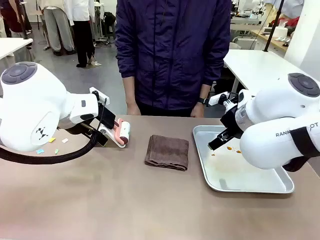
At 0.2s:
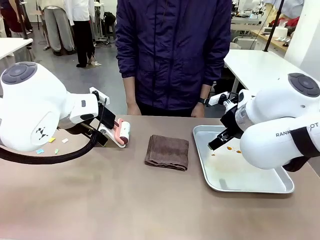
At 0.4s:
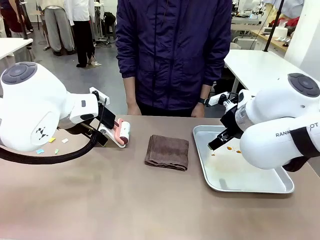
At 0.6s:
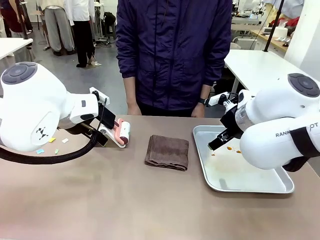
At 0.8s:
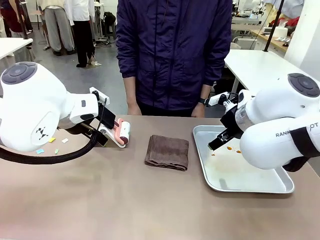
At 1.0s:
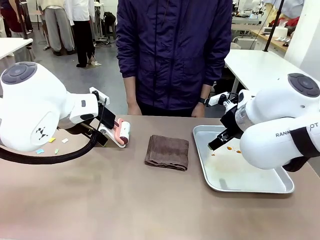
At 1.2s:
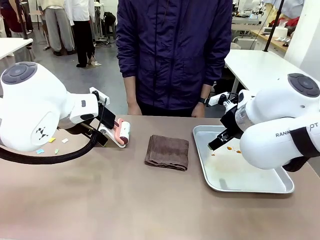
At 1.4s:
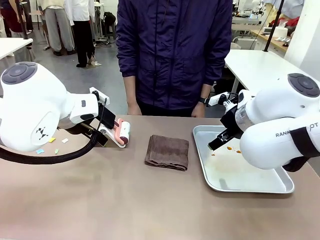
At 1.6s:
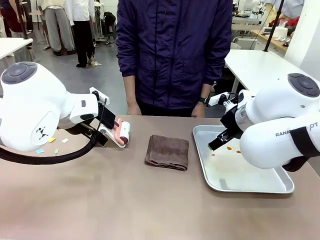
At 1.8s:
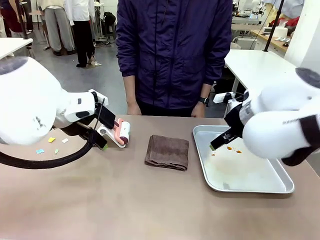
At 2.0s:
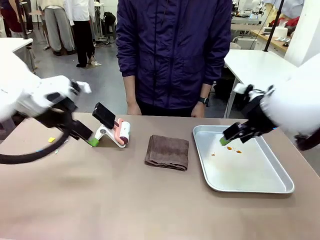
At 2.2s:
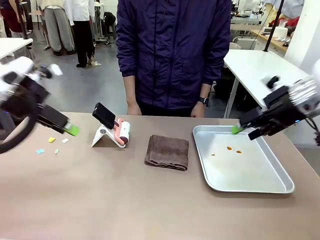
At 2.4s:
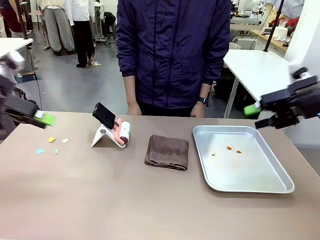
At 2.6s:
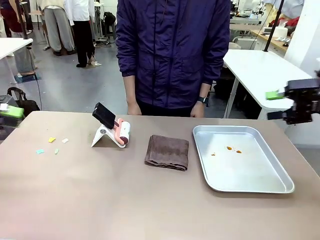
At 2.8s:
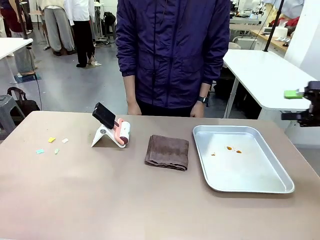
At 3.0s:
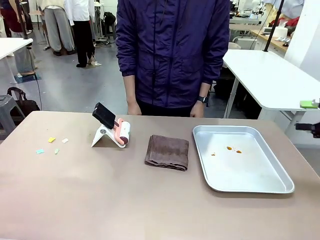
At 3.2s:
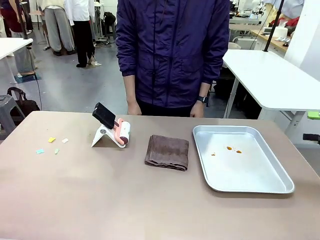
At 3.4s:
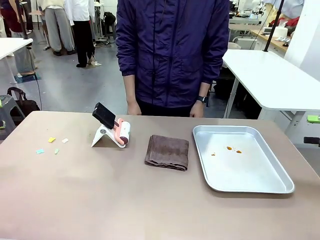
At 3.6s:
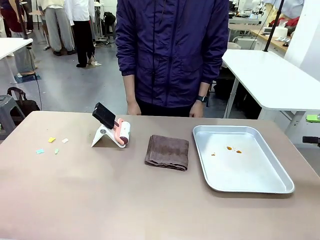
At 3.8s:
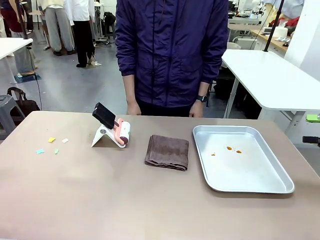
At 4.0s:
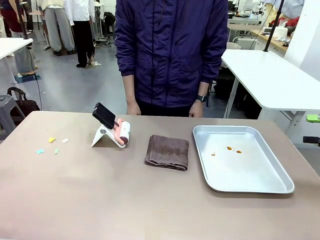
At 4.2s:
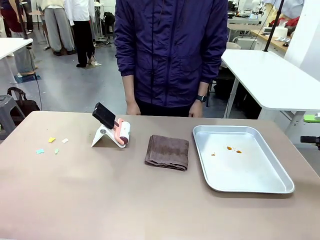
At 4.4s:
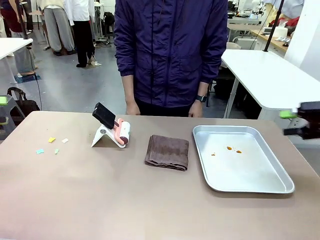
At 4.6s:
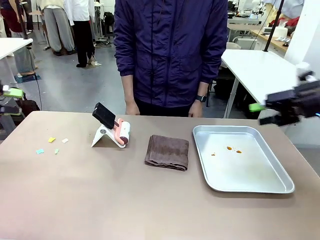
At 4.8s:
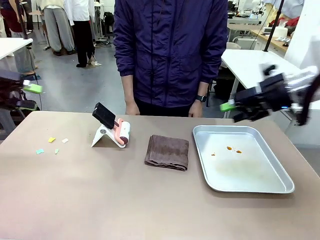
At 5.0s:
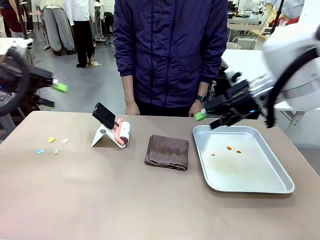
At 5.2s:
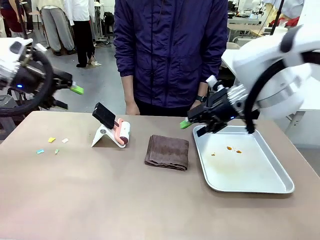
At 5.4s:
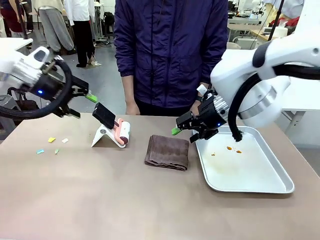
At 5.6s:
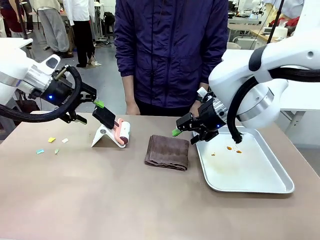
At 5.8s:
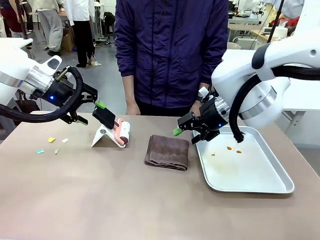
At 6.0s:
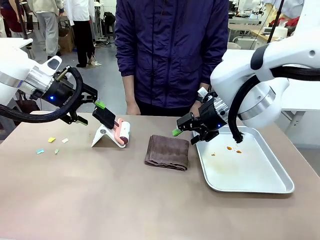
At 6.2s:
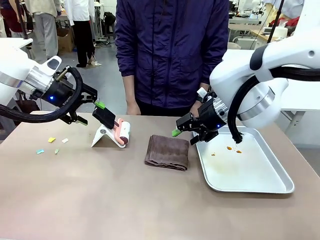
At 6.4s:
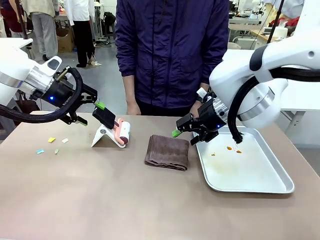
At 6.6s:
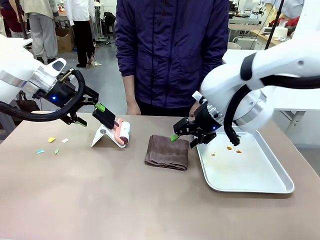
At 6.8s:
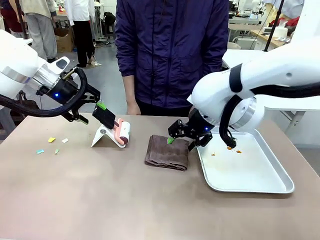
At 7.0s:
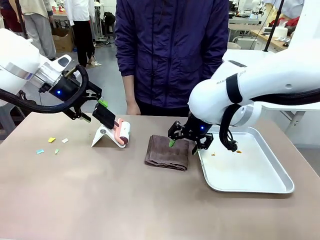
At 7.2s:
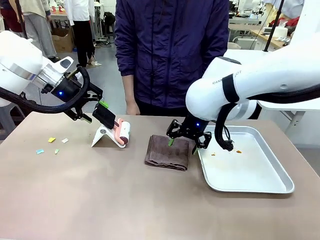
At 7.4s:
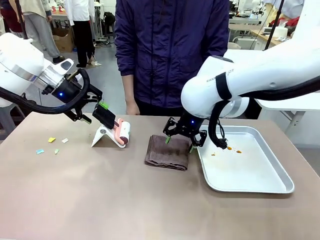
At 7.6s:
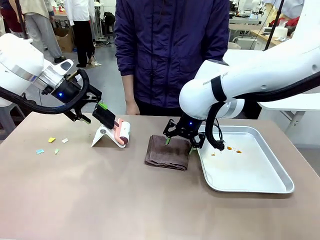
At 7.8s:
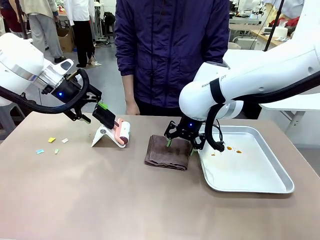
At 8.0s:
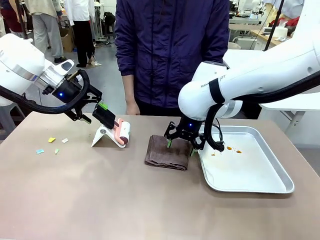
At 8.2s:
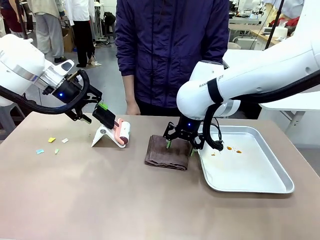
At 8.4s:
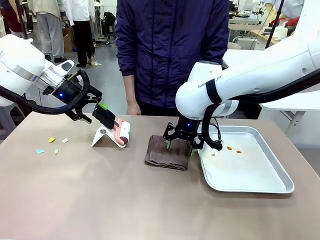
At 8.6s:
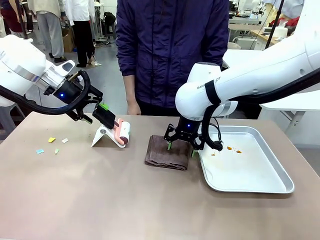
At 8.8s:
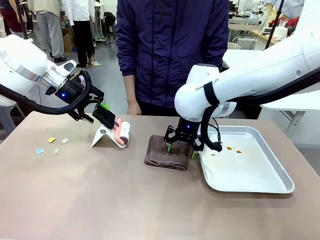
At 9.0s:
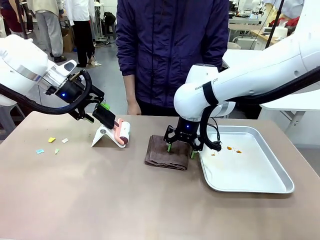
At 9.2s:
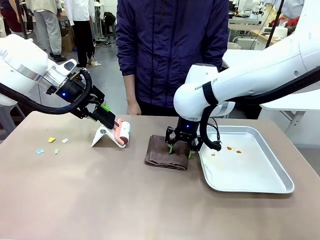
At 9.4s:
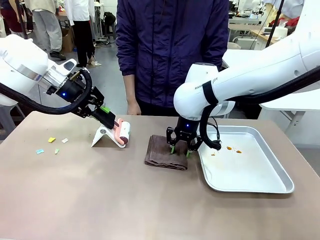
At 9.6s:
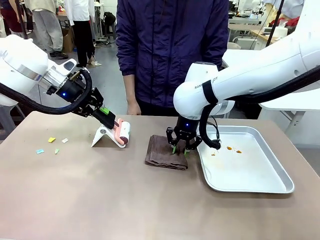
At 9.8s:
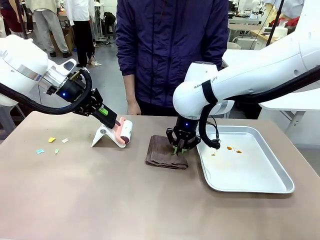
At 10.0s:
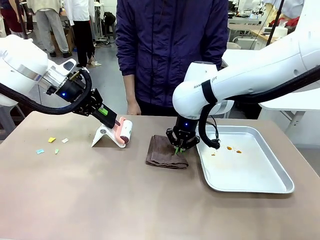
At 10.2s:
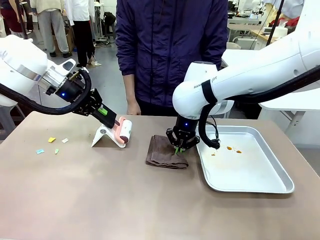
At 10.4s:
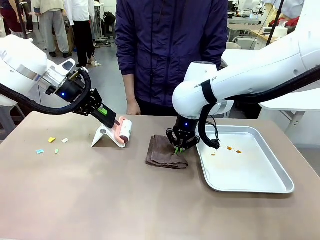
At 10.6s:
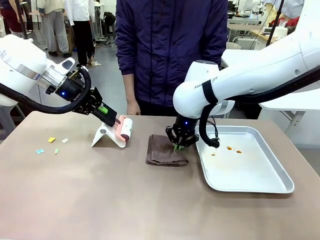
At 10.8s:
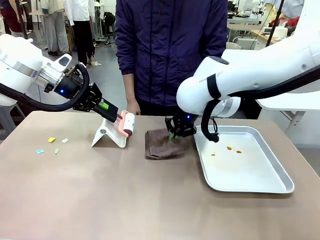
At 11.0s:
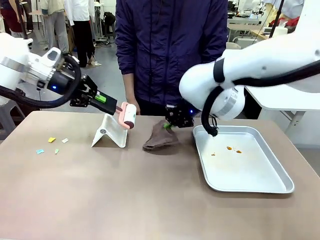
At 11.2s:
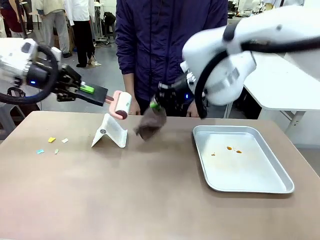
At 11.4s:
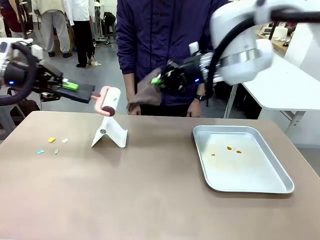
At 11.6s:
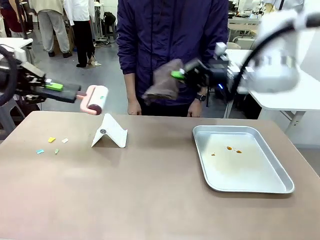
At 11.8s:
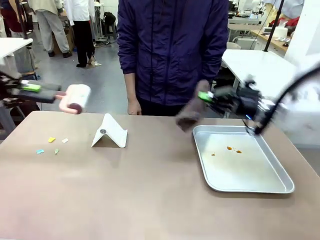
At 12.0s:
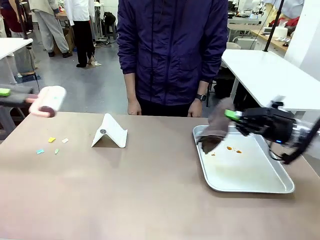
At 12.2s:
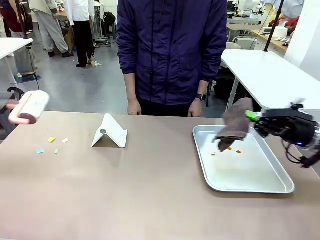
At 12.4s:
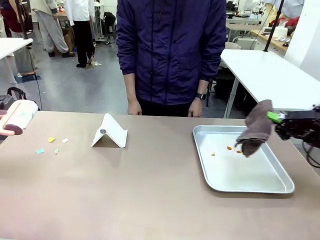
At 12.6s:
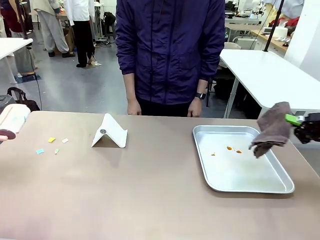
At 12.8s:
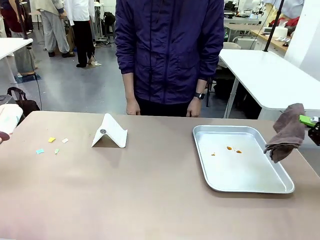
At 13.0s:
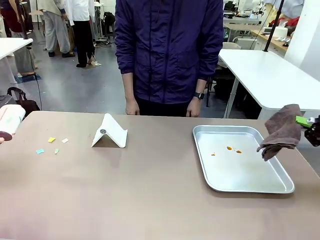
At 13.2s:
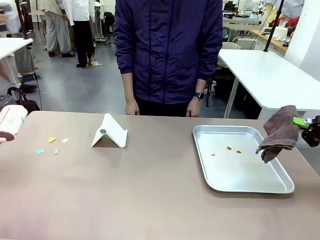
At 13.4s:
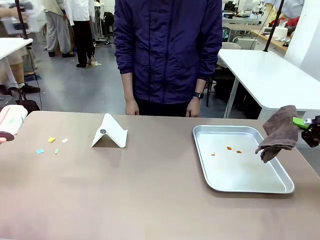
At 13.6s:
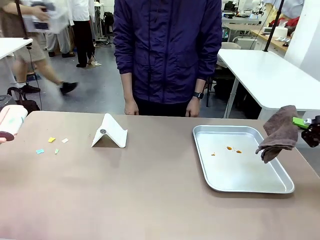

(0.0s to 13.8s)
Task: Clean the surface of the table.
Robot: Hold the Lint Roller with your left hand and the towel with your right hand.
